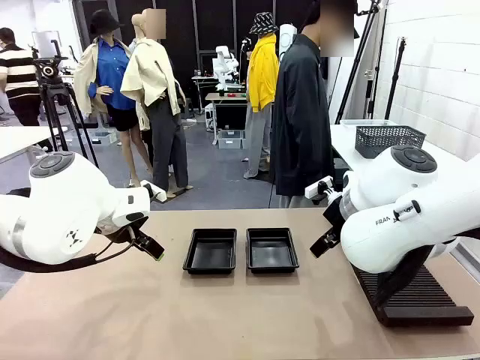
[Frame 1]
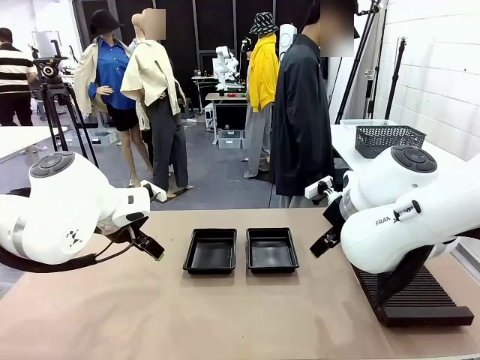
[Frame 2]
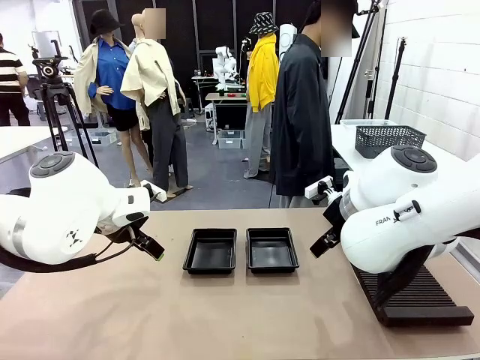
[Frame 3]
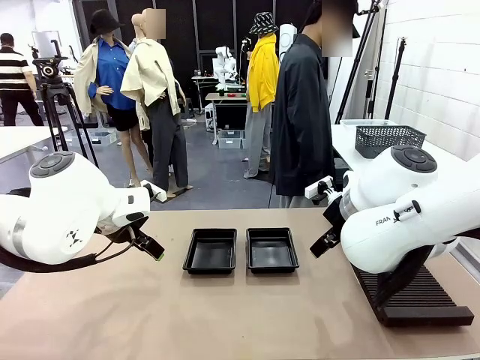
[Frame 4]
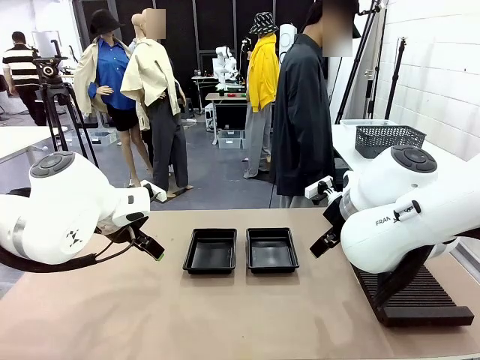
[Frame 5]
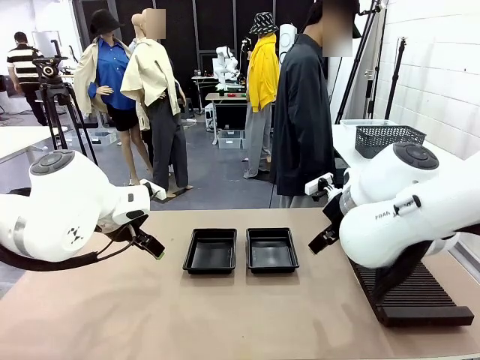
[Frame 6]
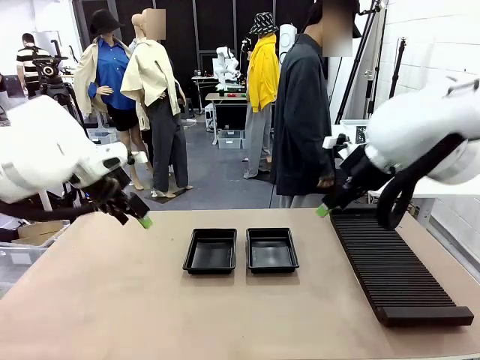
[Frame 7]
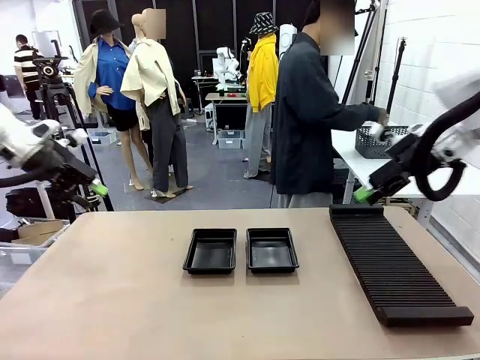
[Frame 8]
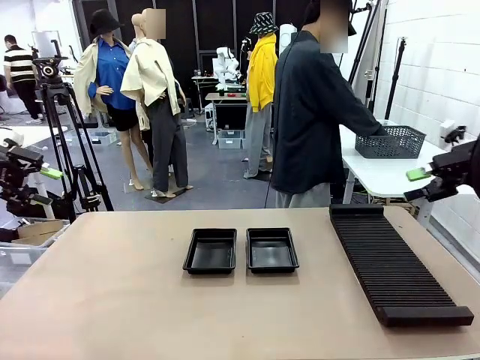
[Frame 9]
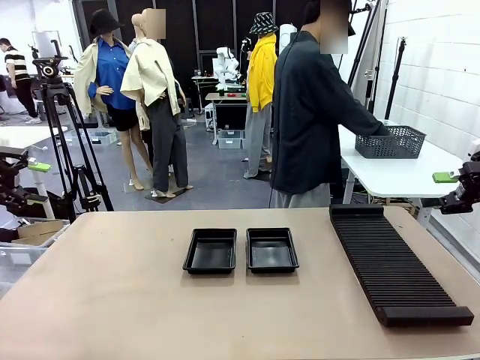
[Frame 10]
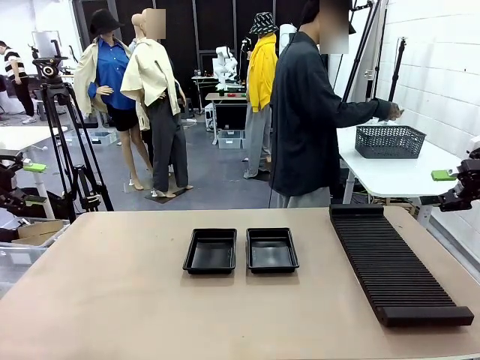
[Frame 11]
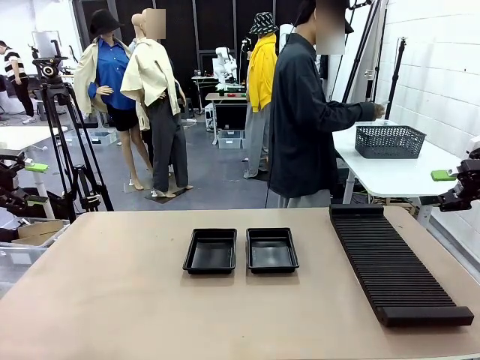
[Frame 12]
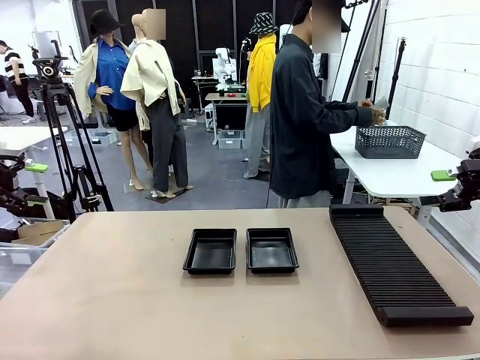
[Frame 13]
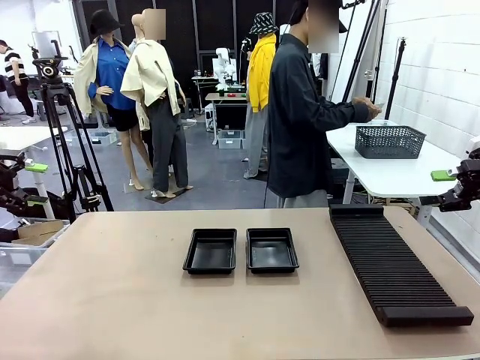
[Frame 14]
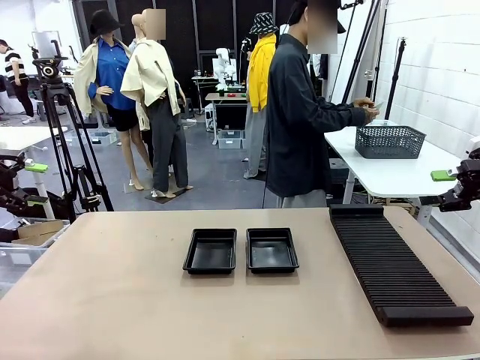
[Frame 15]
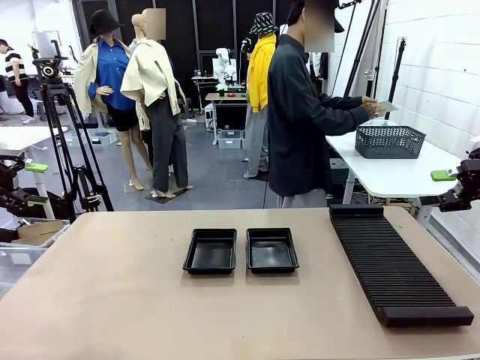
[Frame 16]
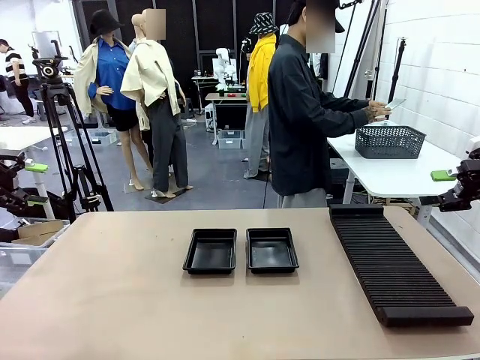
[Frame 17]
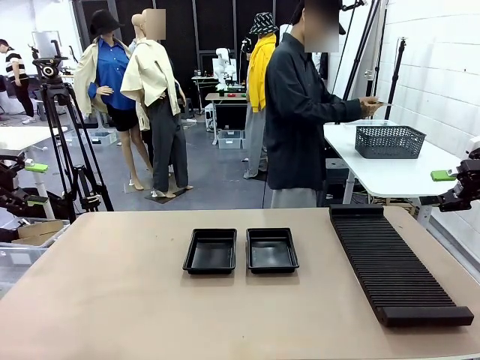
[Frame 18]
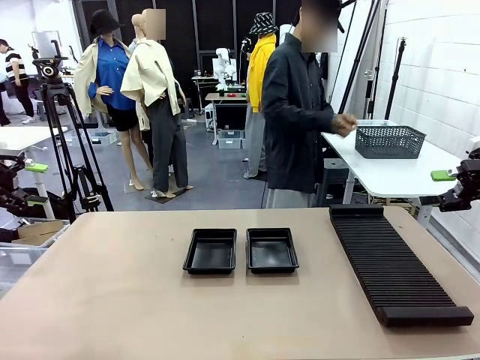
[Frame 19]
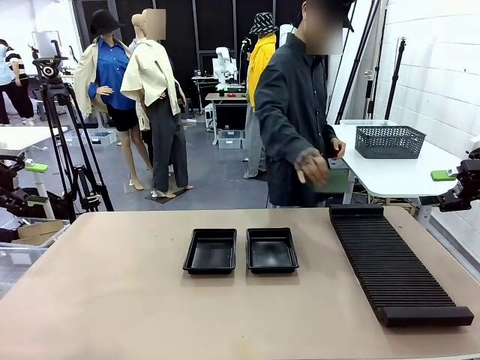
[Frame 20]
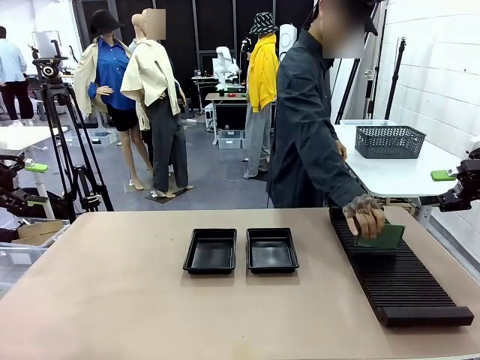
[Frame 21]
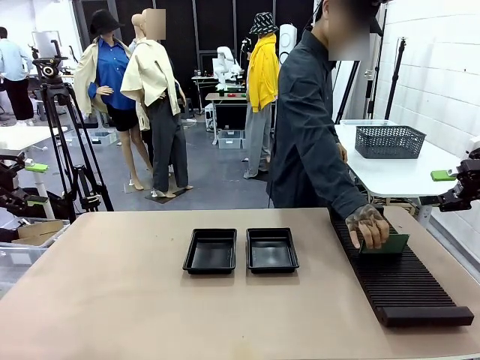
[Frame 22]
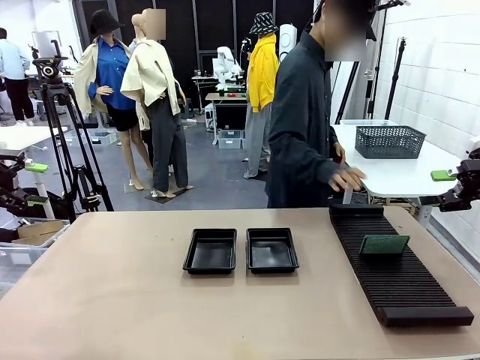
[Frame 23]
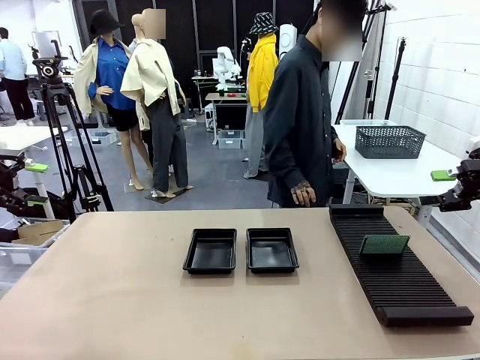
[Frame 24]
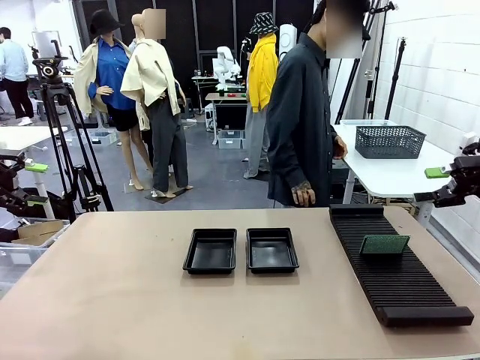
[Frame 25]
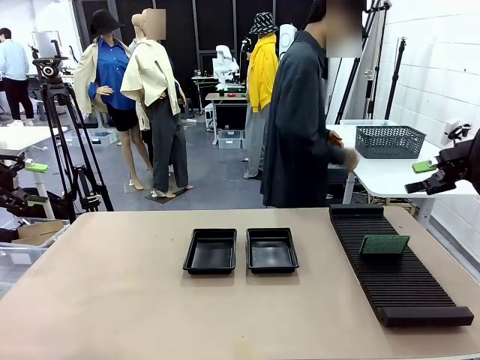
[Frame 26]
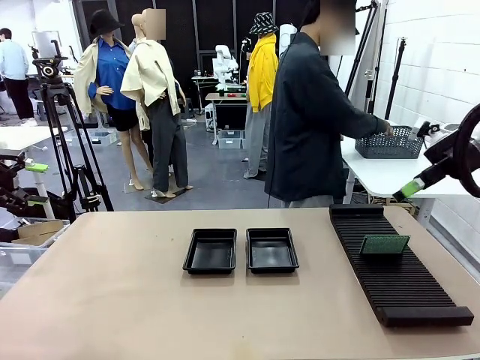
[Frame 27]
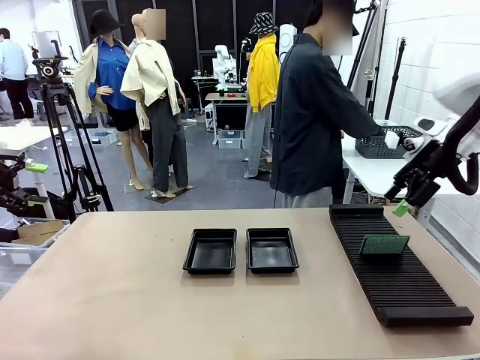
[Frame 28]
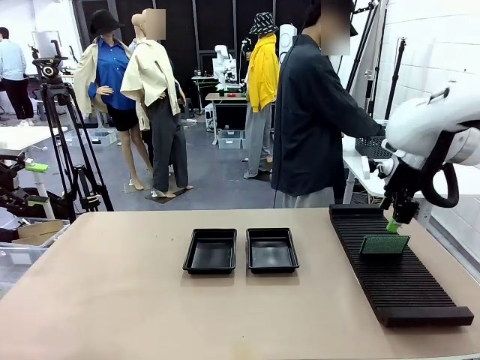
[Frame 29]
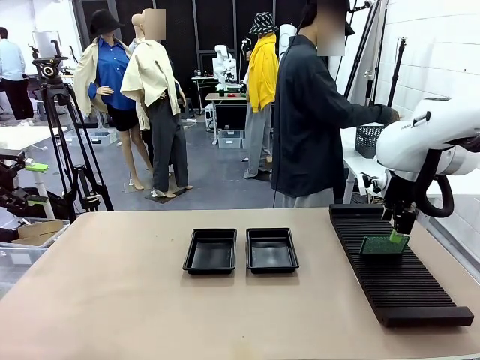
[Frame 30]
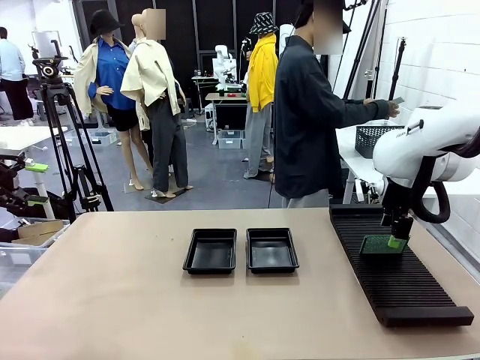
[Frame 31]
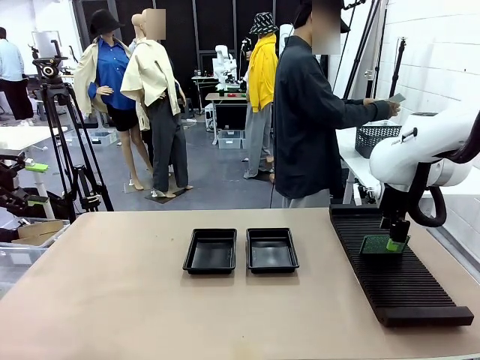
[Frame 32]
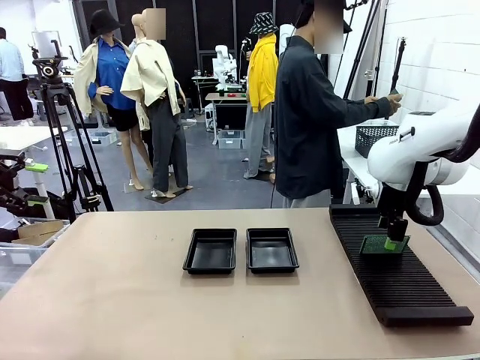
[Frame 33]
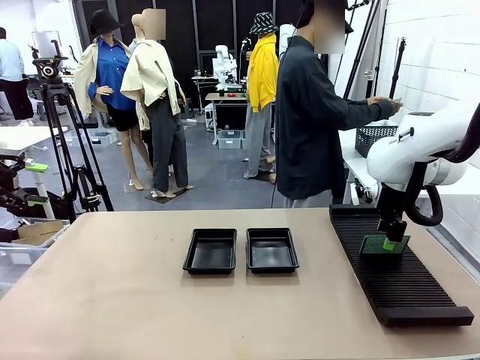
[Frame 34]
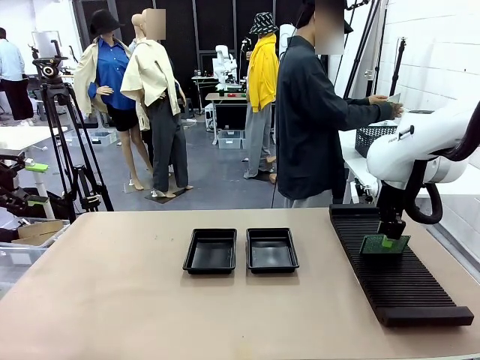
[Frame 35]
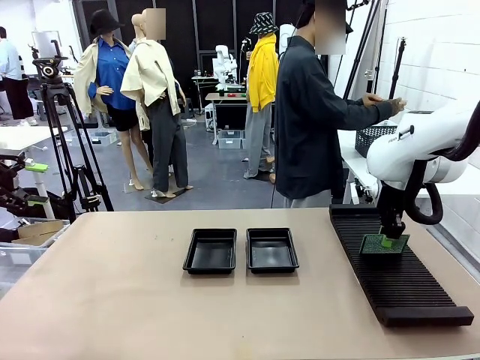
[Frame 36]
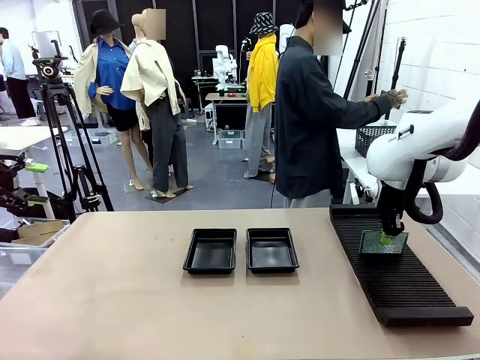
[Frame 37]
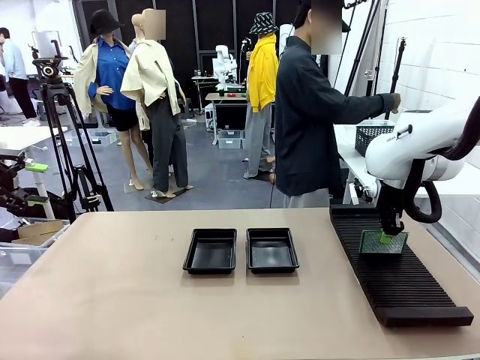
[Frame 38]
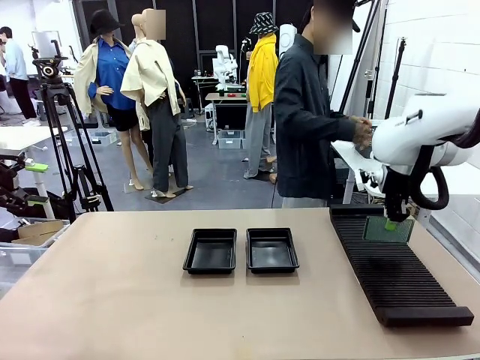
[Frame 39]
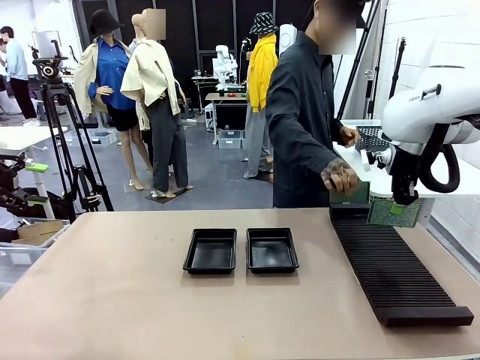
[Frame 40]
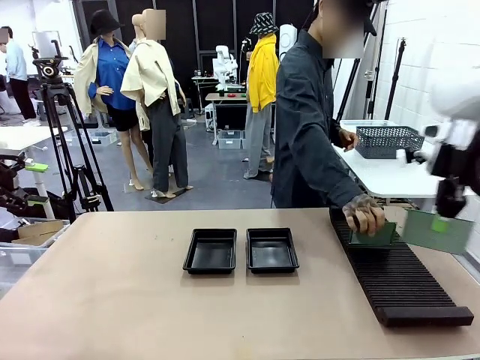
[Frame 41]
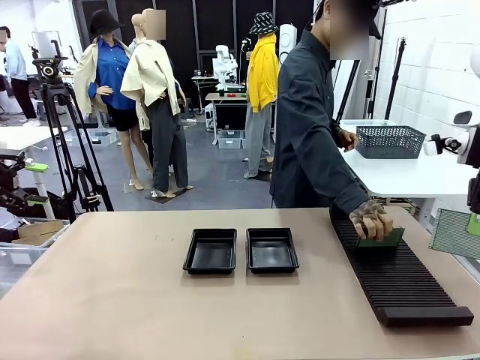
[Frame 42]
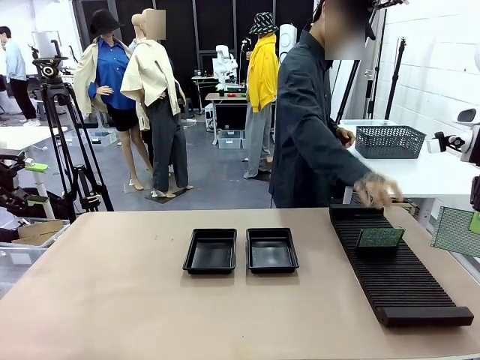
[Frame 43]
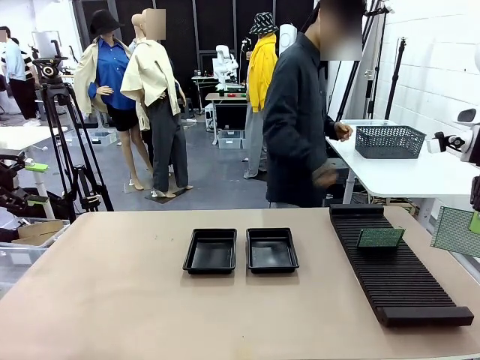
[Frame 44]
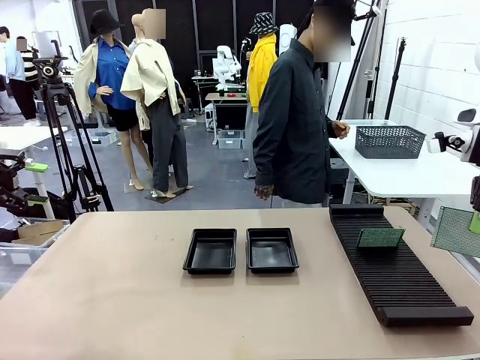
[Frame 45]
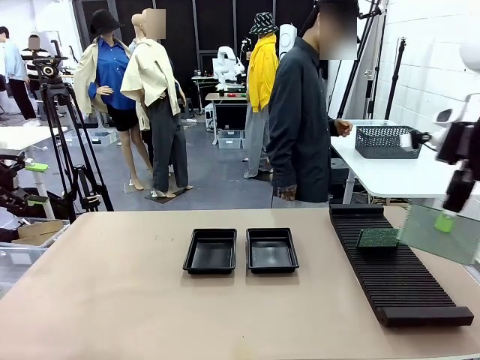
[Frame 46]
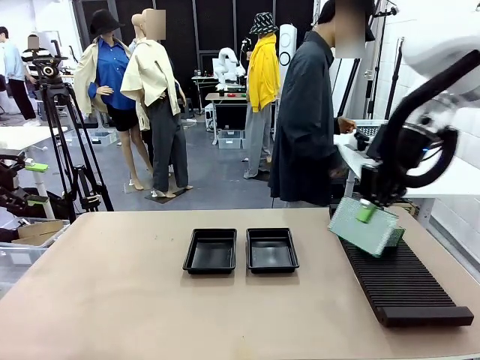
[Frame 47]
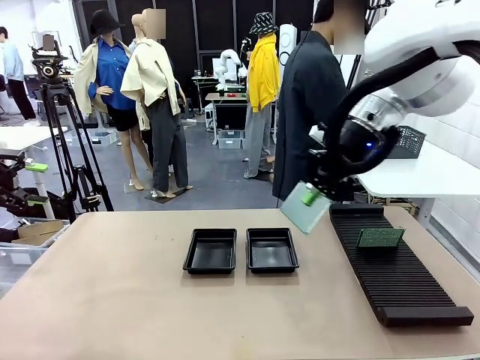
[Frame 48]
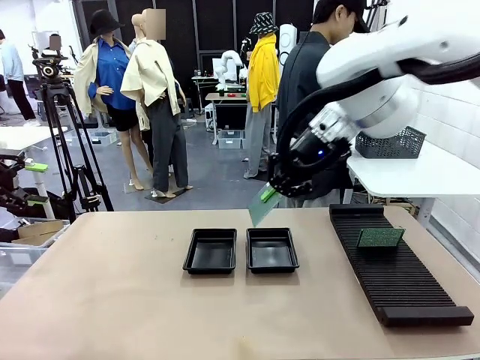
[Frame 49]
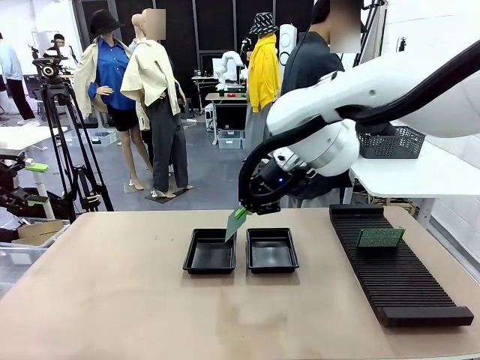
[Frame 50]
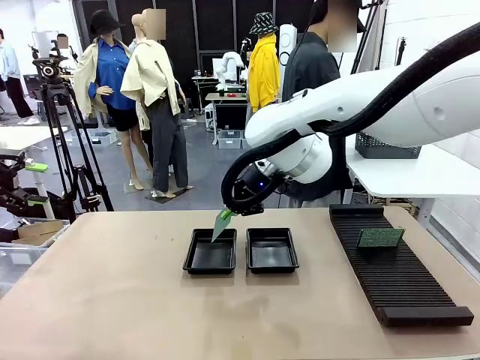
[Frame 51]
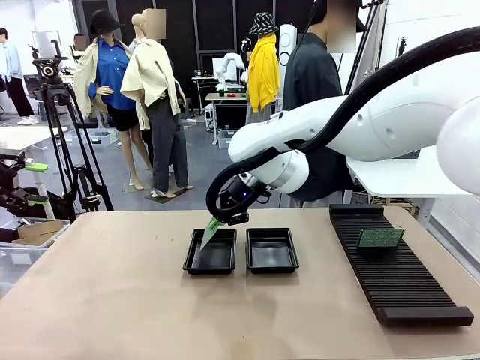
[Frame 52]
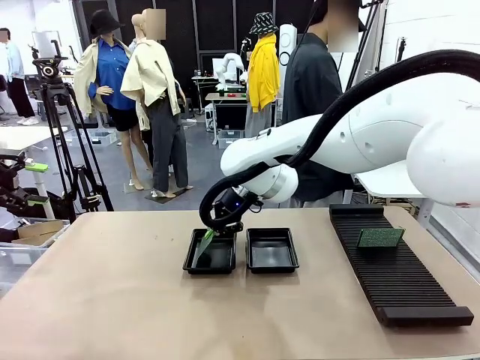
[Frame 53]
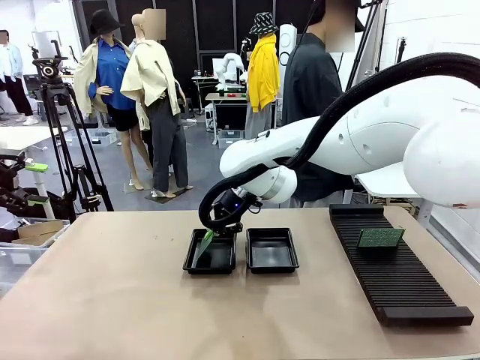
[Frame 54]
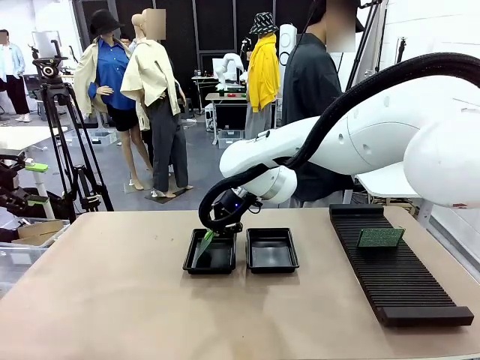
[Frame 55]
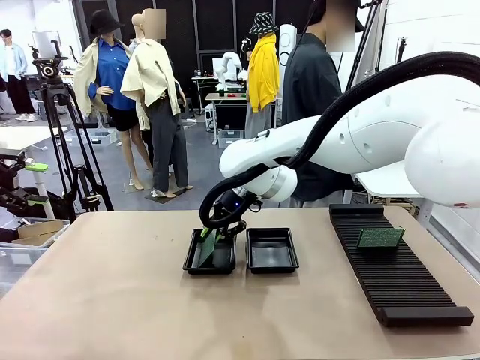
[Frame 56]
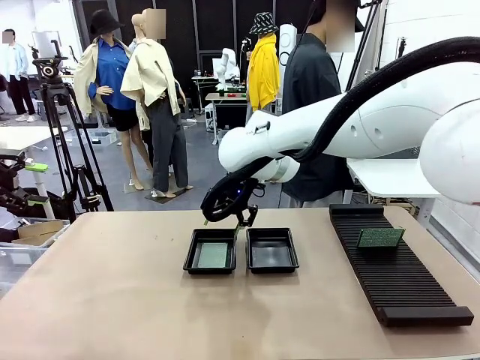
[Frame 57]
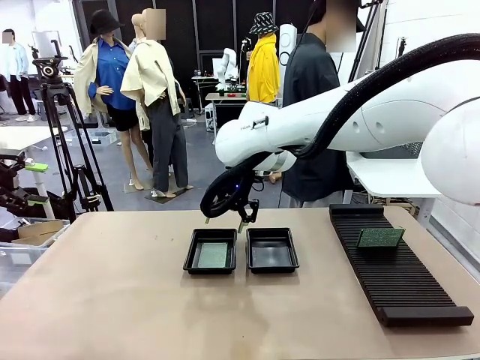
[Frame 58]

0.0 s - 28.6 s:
Task: Inspect and transfer BCBs to ESD trays.
Robot: Pick up the Blank PCB from the PCB Rack and place it in the left ESD tray.
